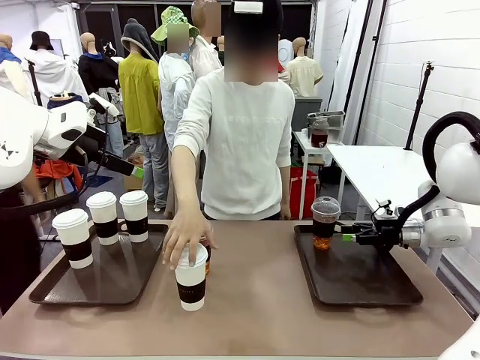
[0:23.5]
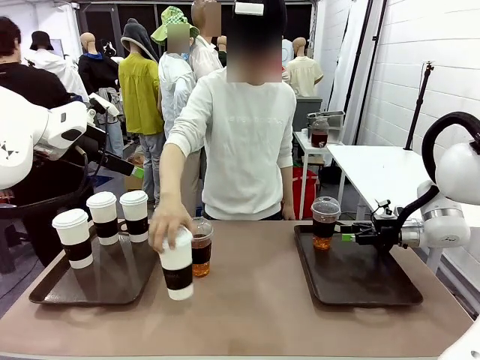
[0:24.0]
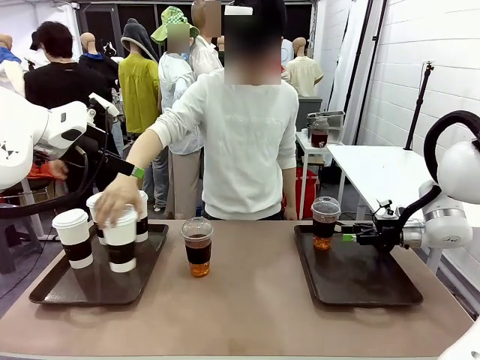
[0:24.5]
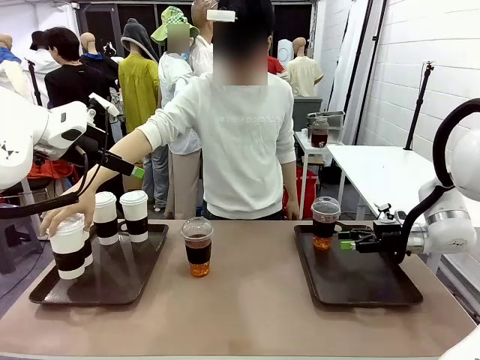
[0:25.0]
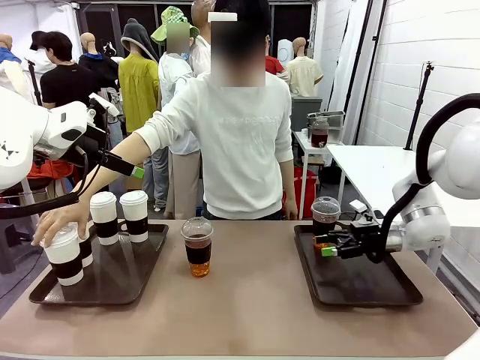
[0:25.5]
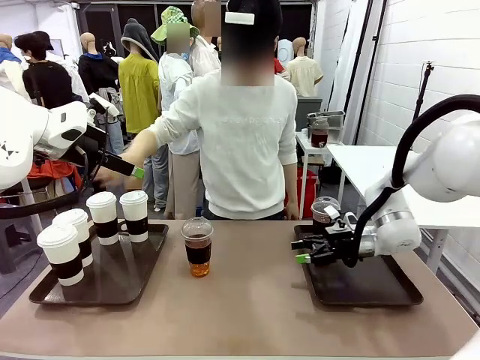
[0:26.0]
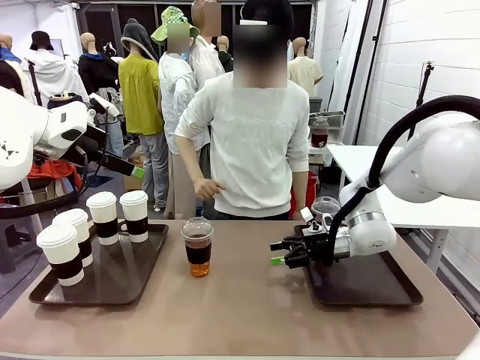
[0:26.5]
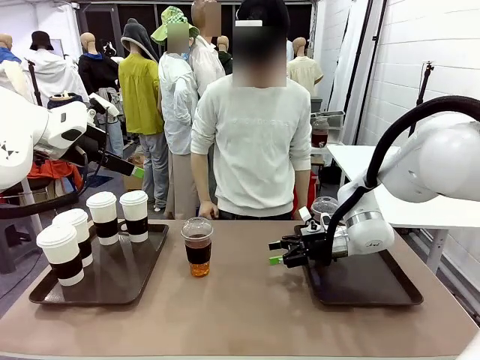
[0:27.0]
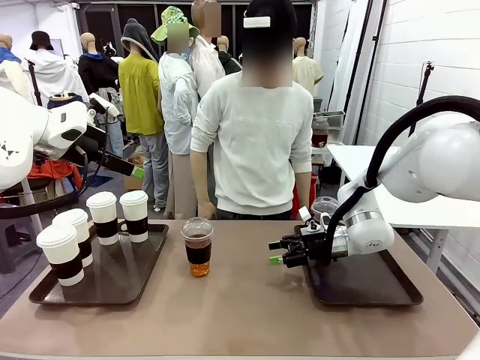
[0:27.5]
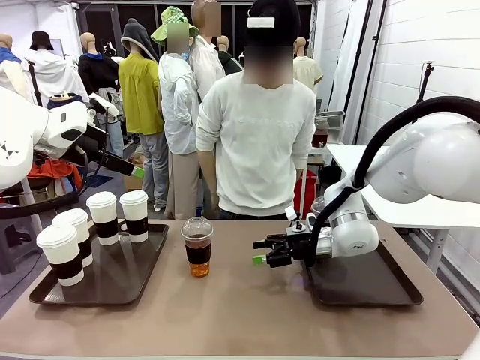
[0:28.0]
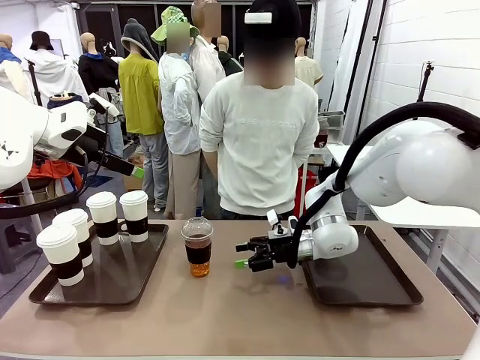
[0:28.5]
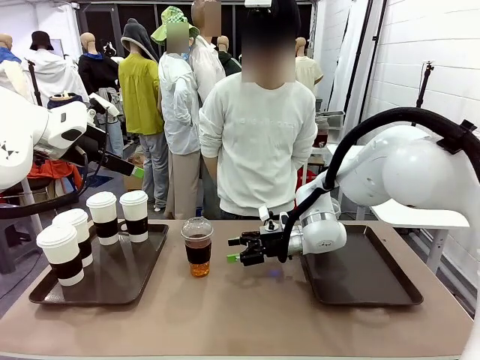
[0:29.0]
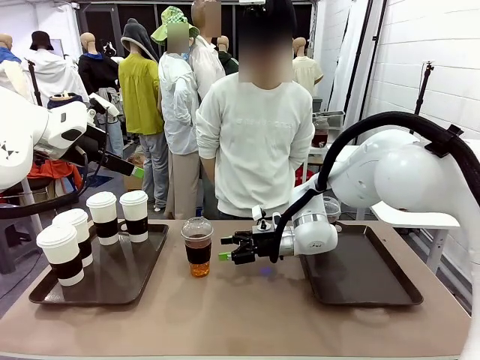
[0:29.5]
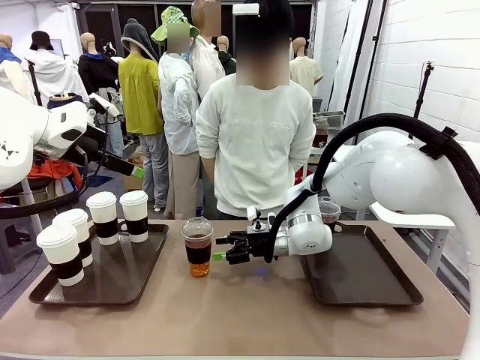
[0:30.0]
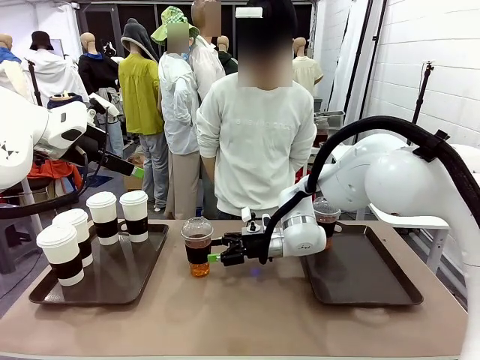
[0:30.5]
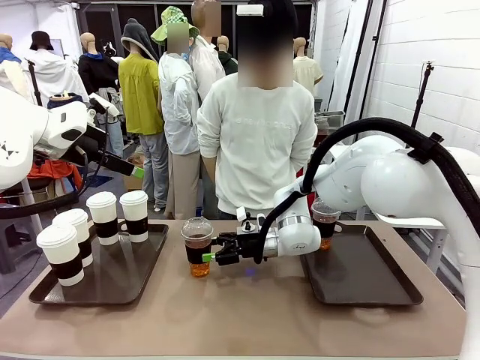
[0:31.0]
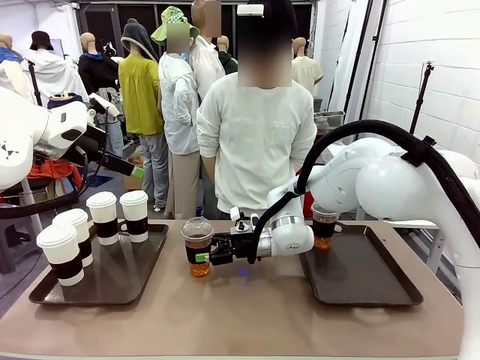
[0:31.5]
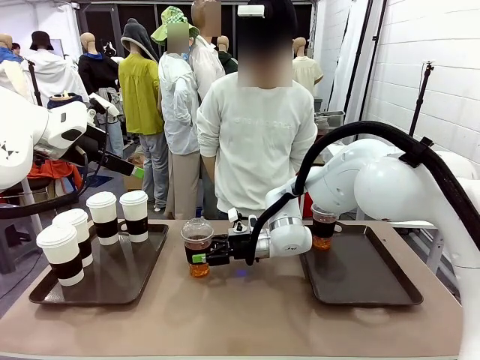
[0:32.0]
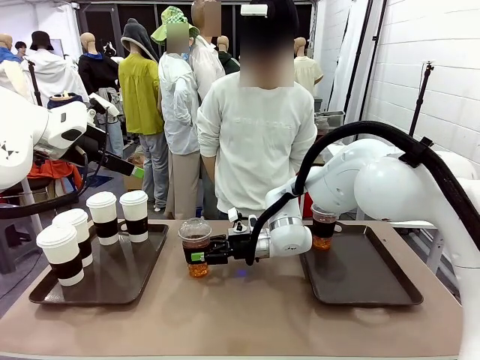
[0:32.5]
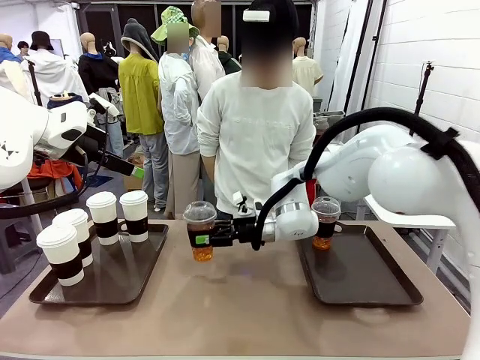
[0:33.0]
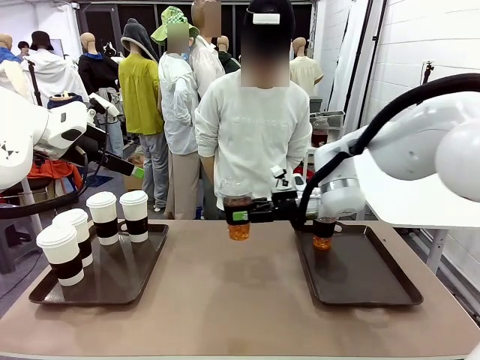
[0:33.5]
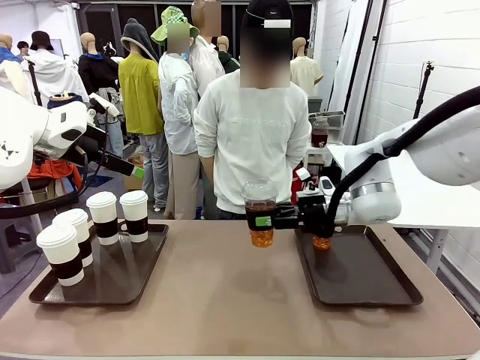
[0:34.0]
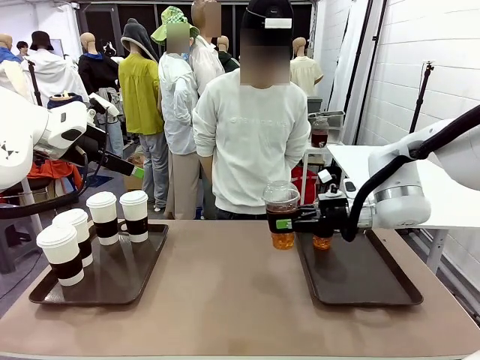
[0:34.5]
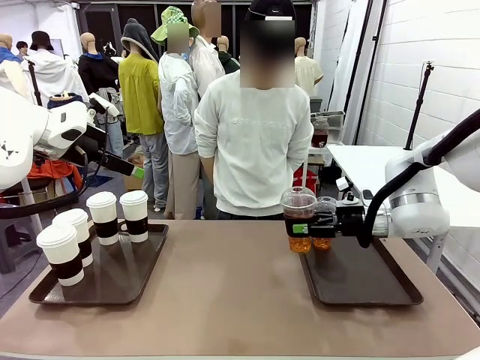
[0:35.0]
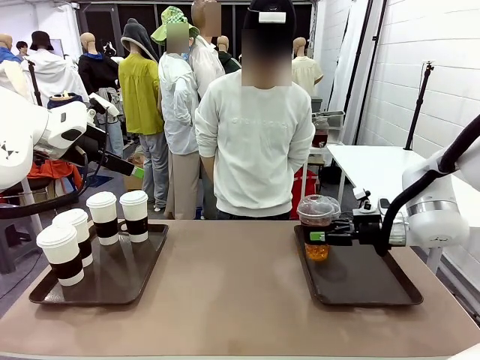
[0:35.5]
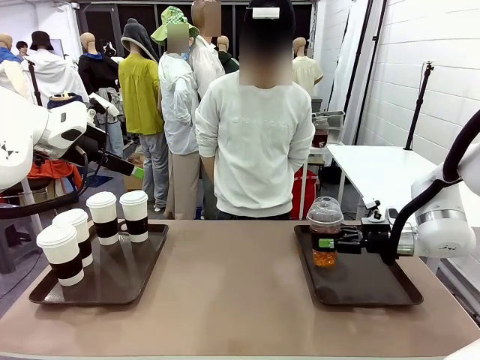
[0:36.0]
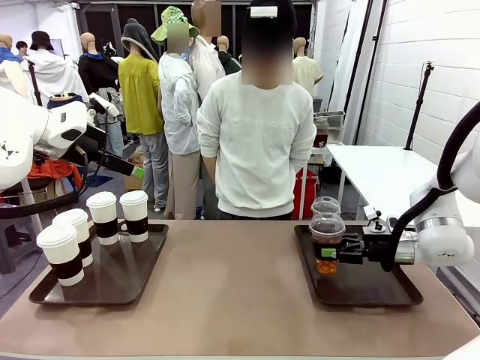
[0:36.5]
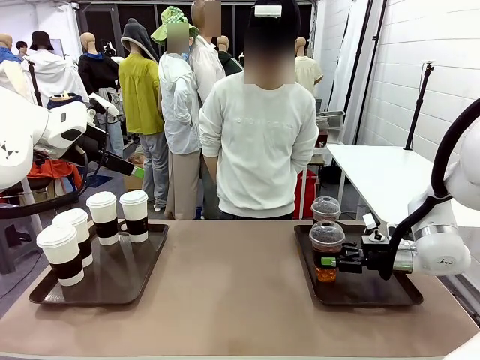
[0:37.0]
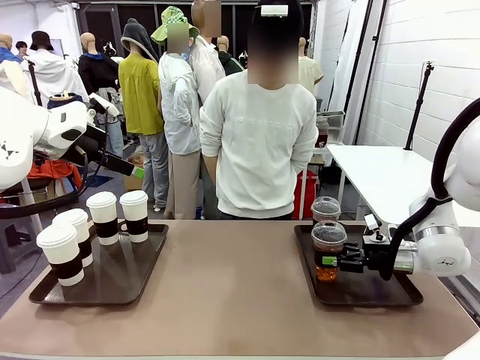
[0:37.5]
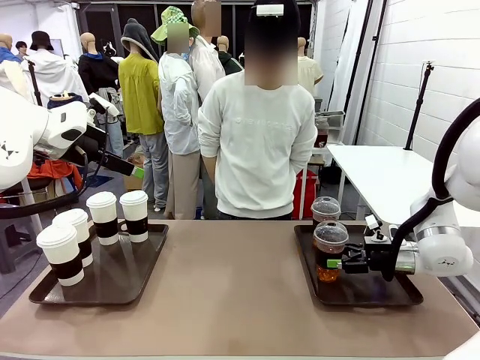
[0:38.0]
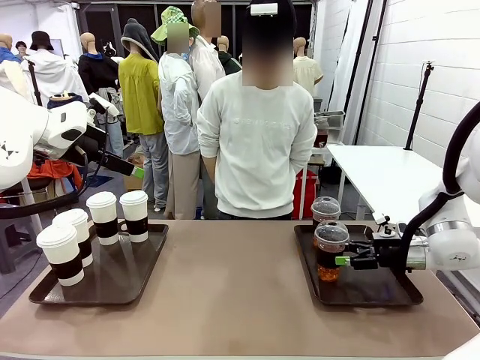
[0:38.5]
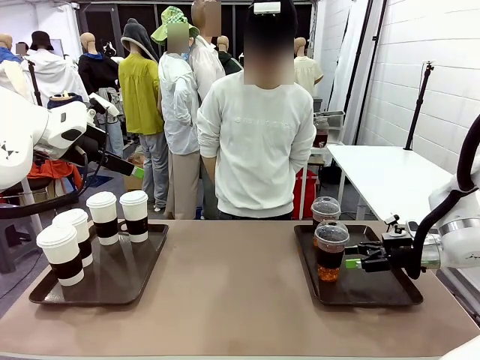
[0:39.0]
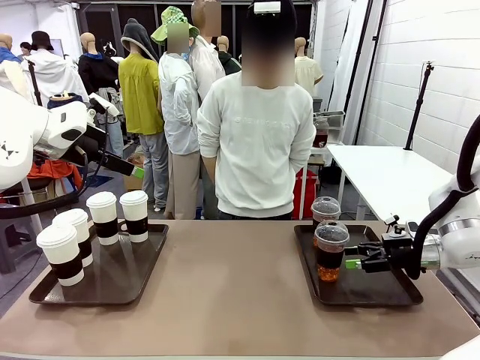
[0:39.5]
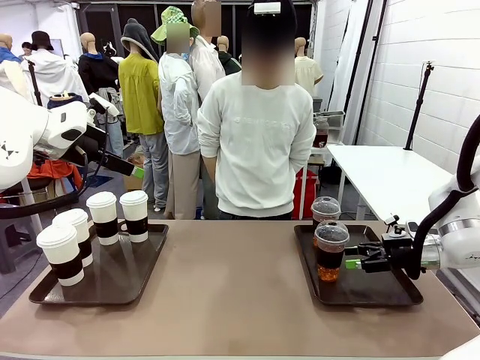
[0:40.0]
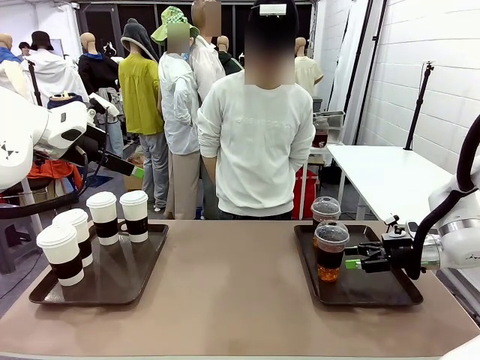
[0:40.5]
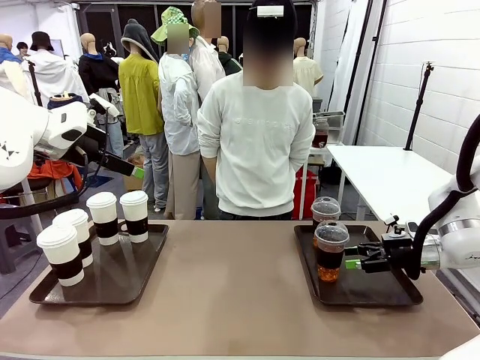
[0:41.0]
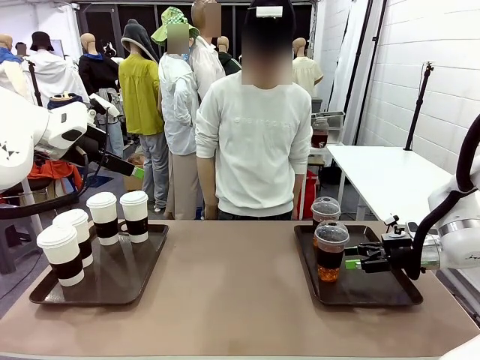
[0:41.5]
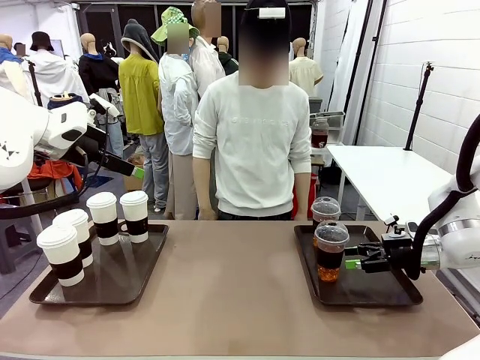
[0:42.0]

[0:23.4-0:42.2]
Task: Distribute the coffee onto the tray.
Robot: Pick up another iced Americano from the middle of the table and place it on the right Handle tray.
Person: Pick up a cup of hot Americano from the middle of the table and place it on the right tray.
